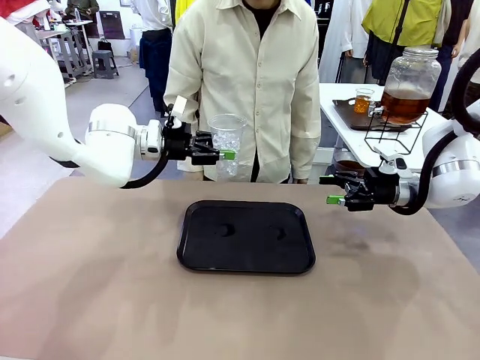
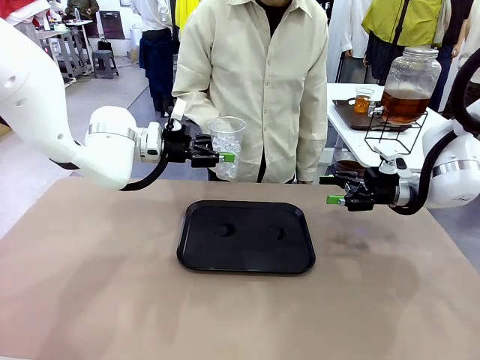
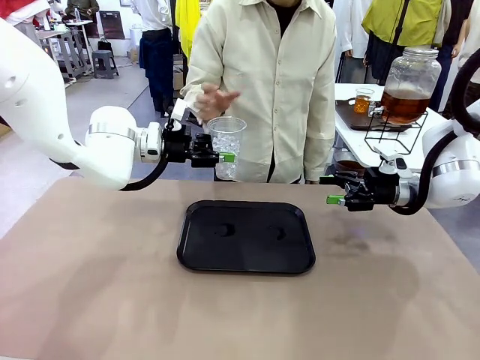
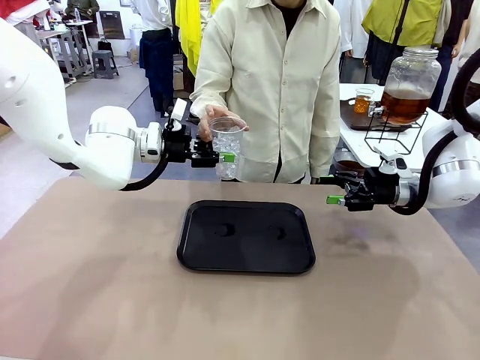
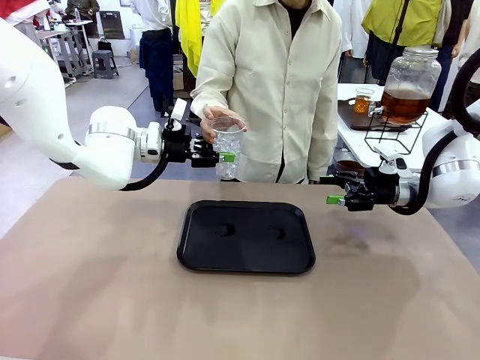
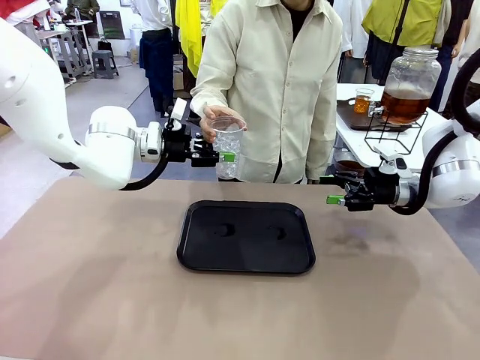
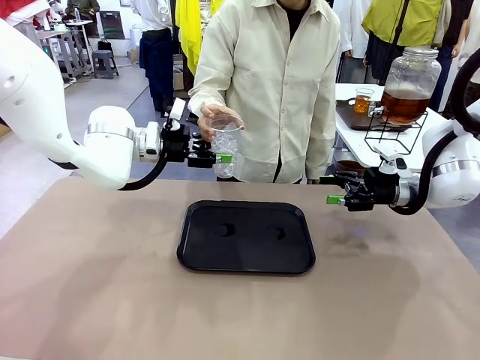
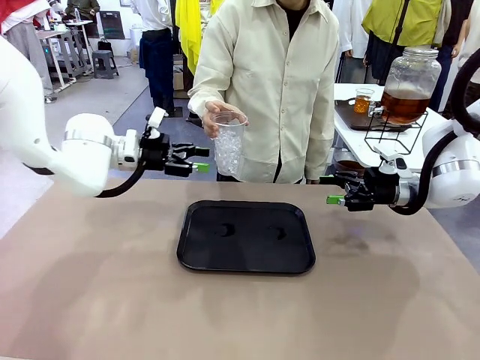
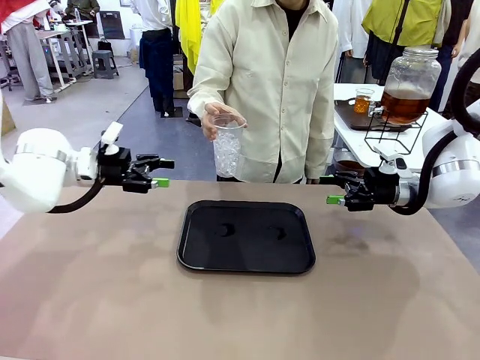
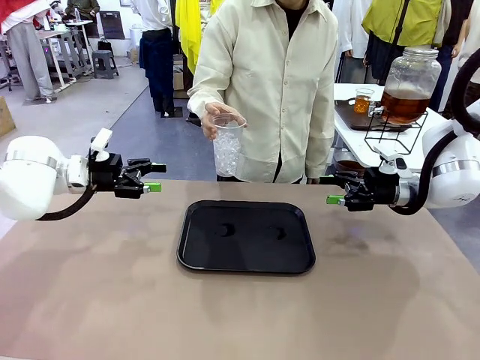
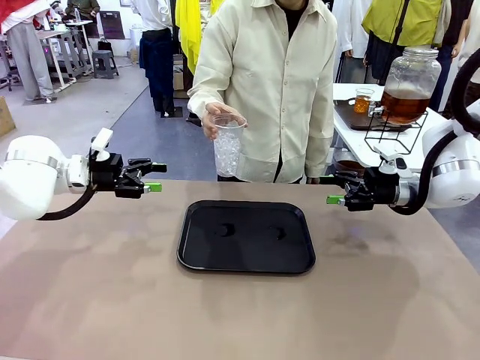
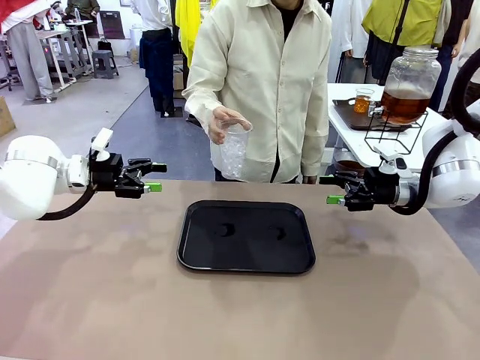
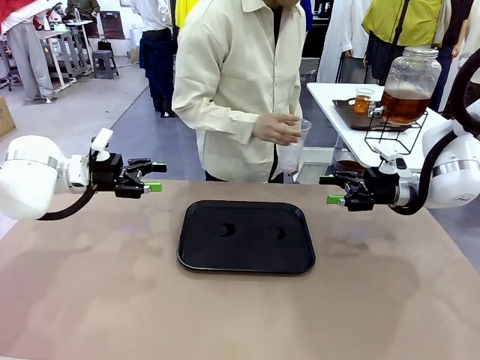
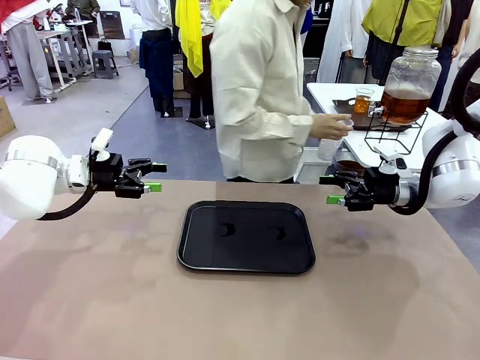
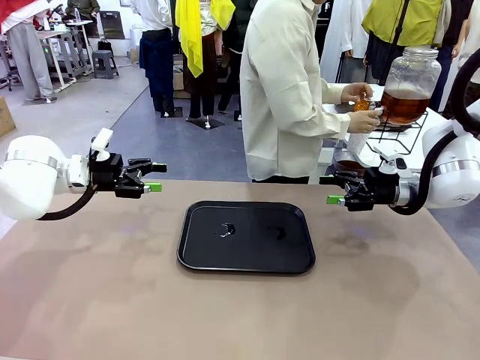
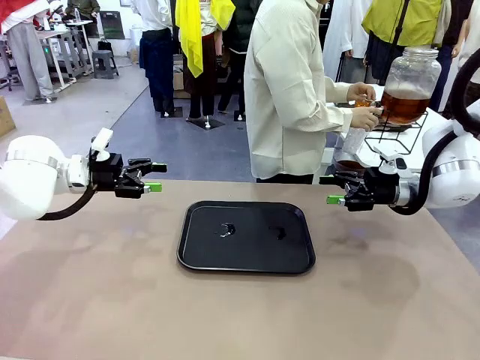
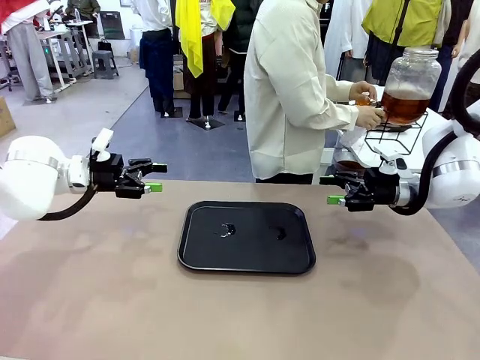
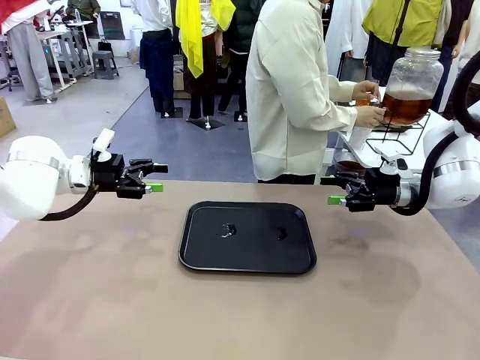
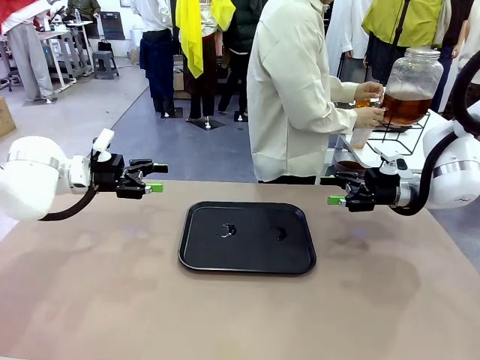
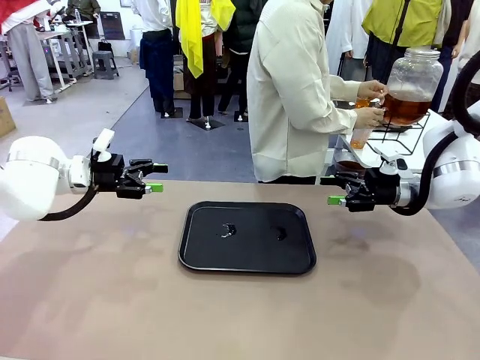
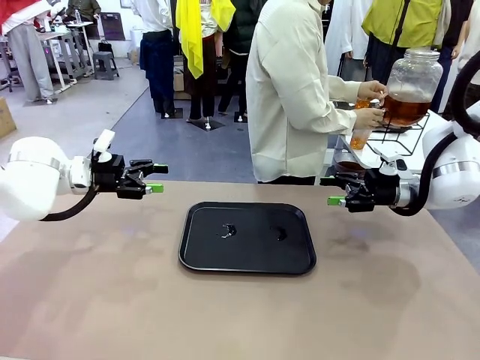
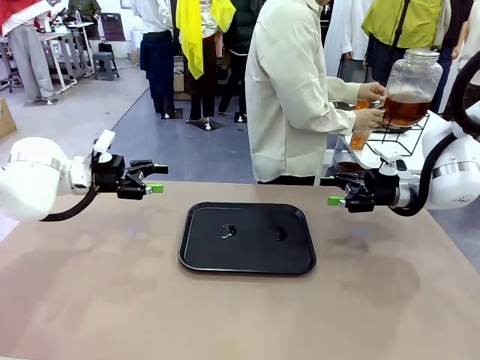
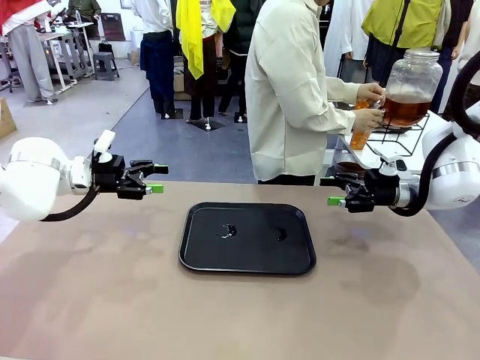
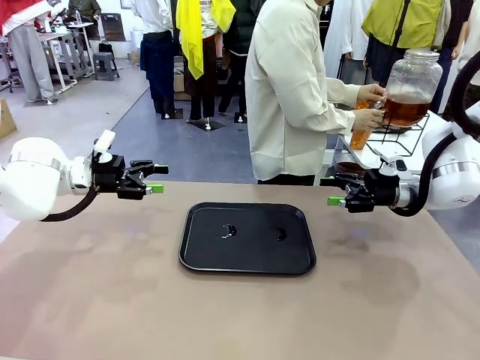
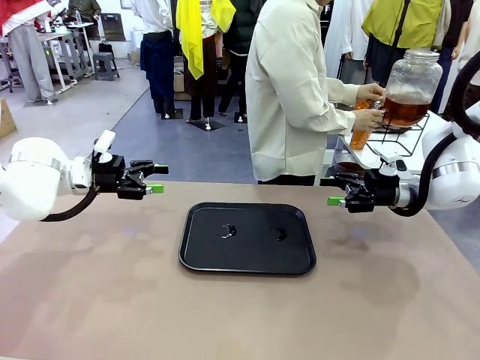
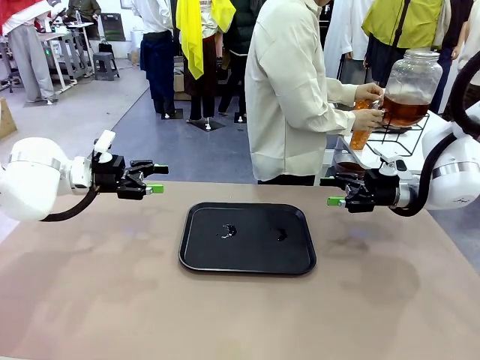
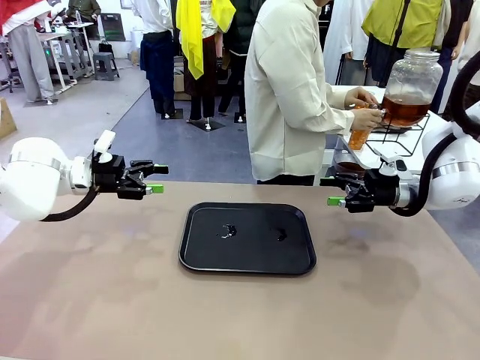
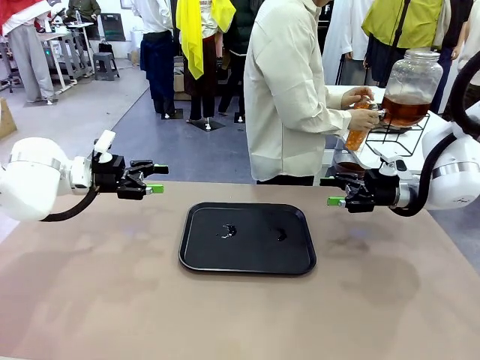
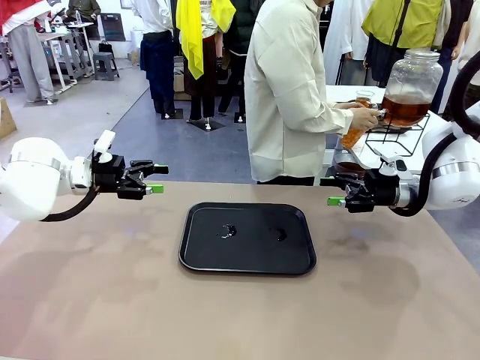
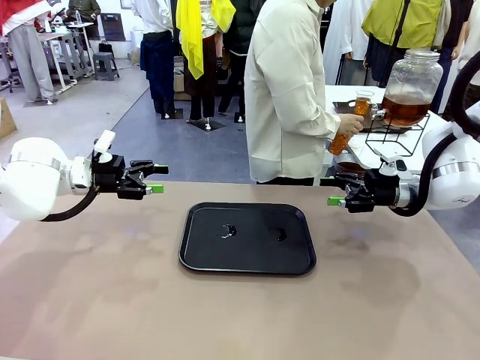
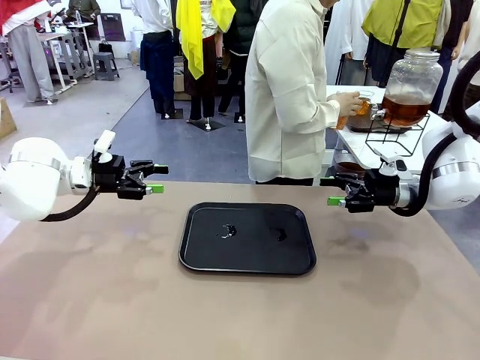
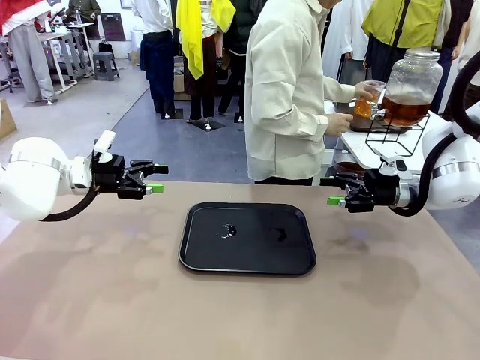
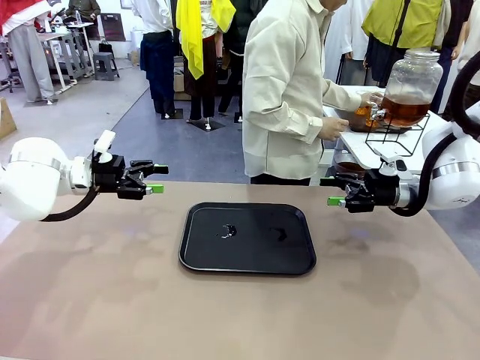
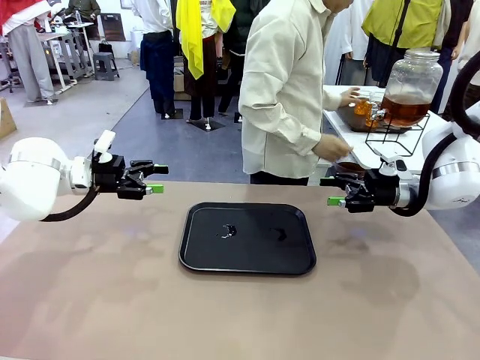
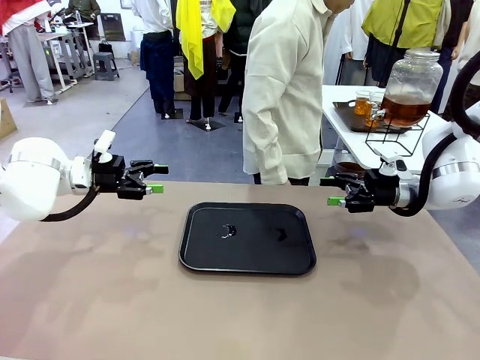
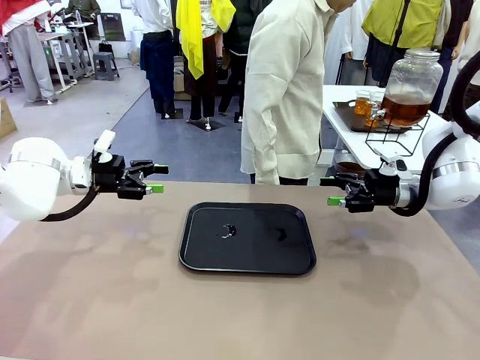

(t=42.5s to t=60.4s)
Task: Pour the drink into the iced cup.
Robot: Open the gripper to release the iced cup you were holding.
Person: Move the picked-up cup under the dispenser faucet, pour the drink, and place it on the tray on the human table.

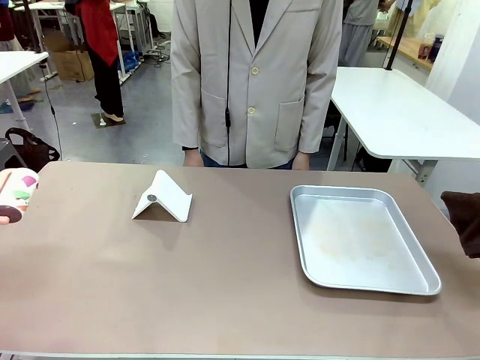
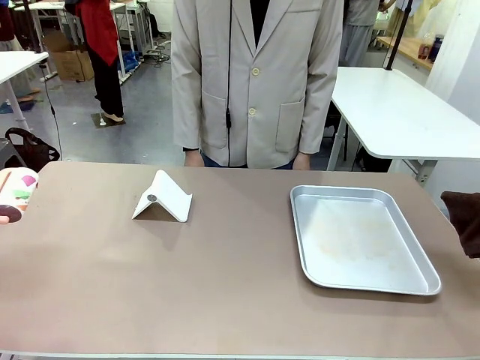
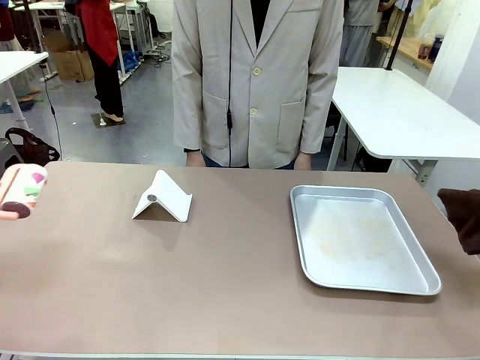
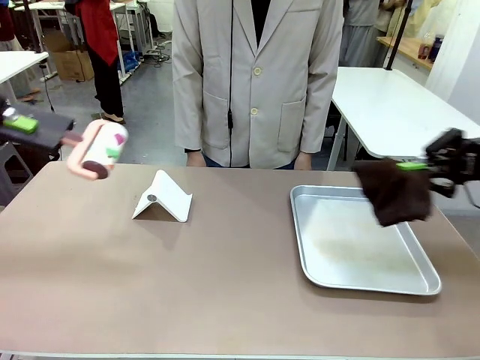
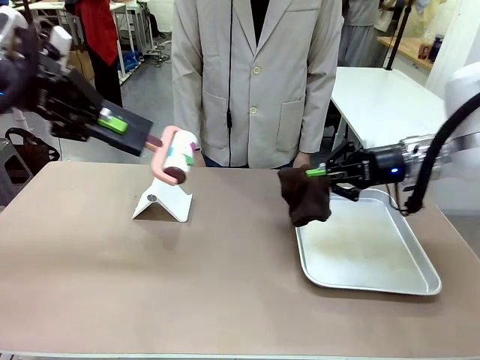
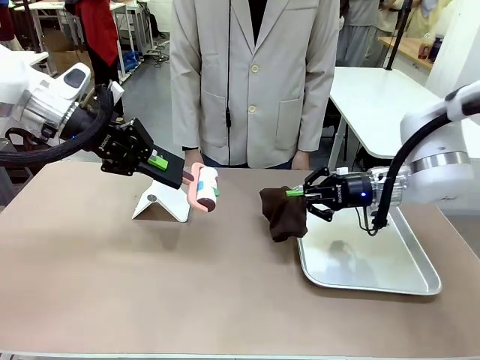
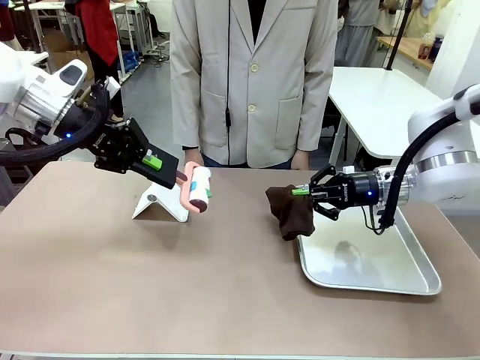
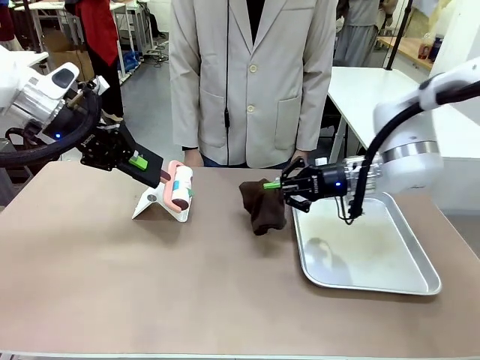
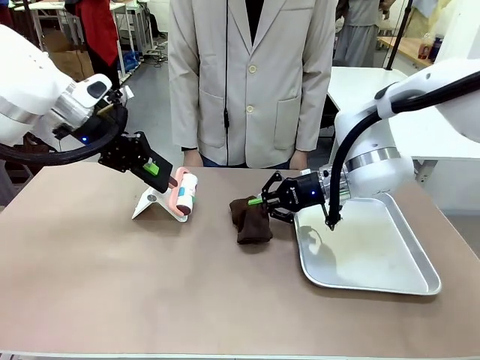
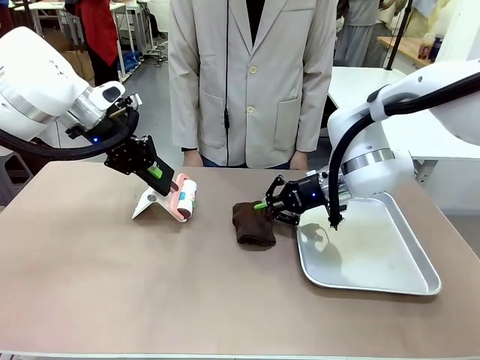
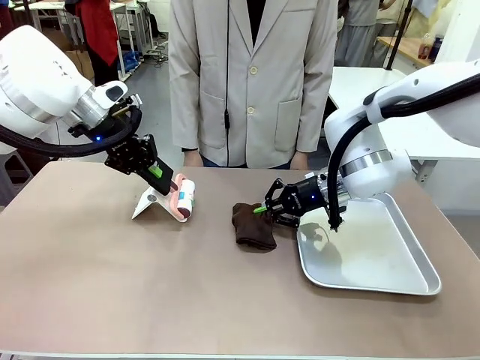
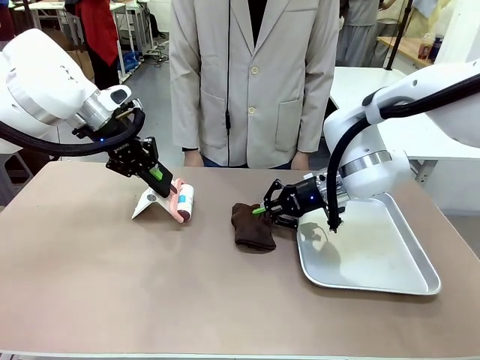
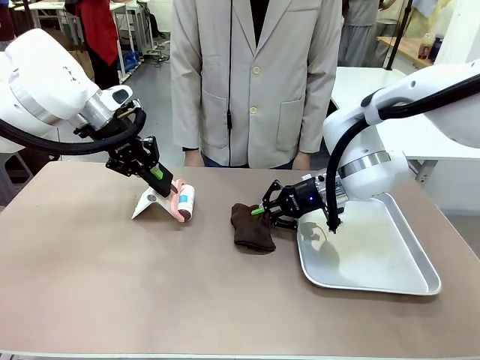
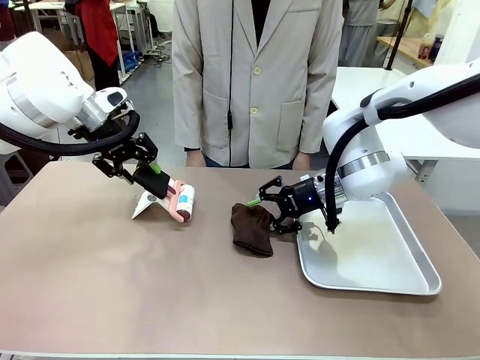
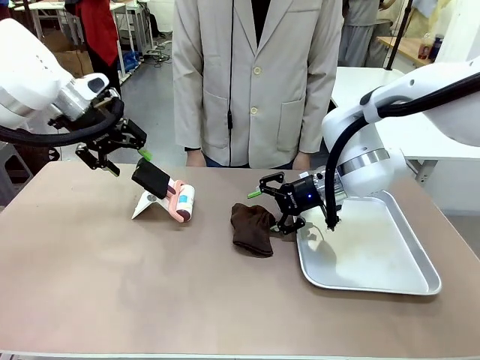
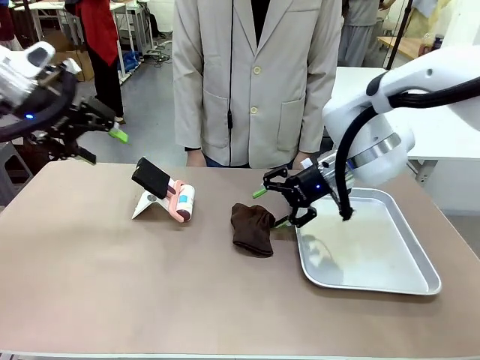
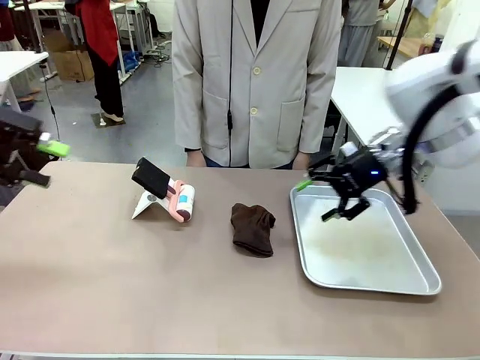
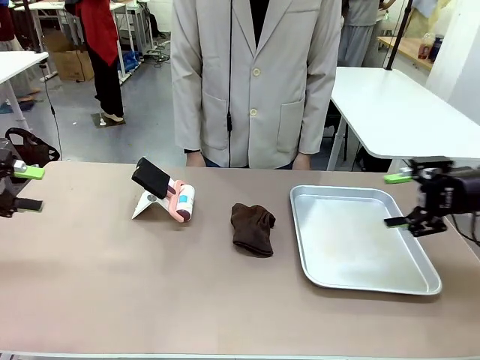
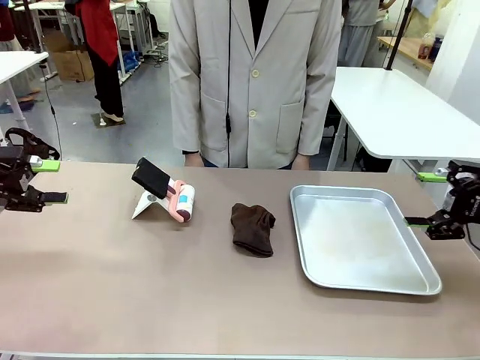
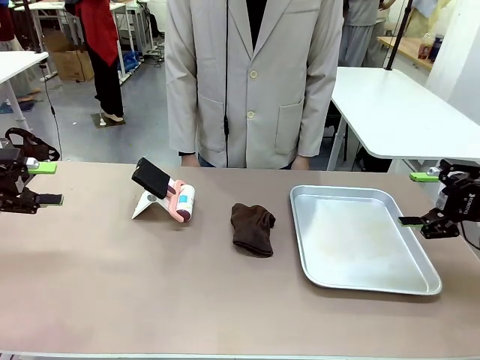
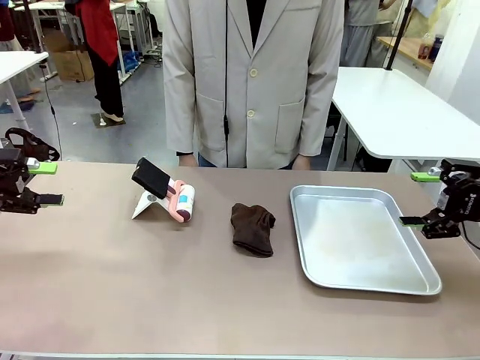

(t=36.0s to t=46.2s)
Task: Clean the surface of the table.
Robot: Return the Lint Roller and towel to their original positions.
